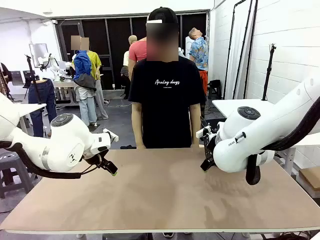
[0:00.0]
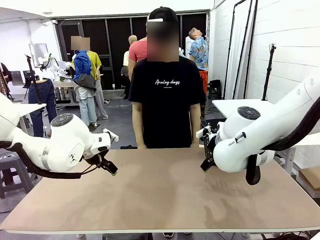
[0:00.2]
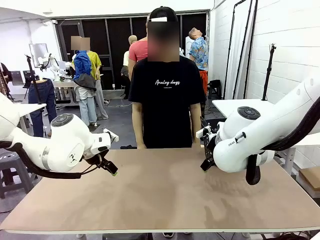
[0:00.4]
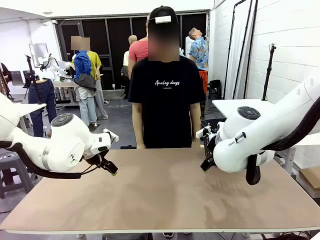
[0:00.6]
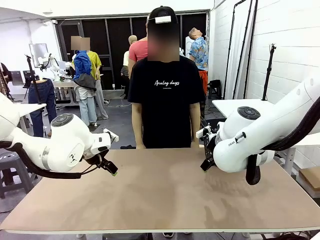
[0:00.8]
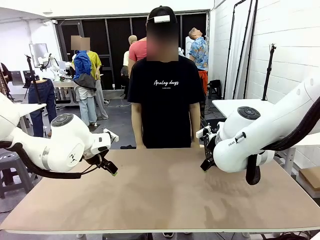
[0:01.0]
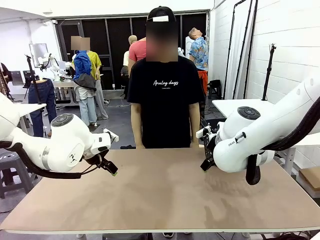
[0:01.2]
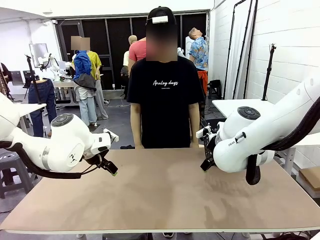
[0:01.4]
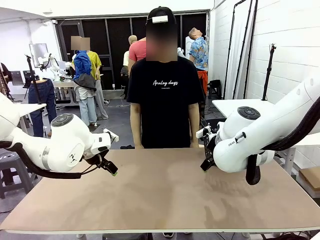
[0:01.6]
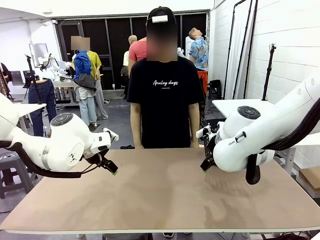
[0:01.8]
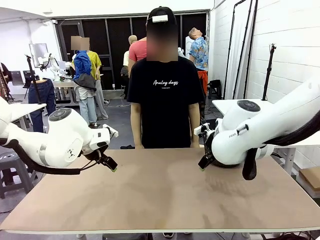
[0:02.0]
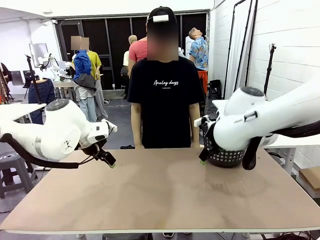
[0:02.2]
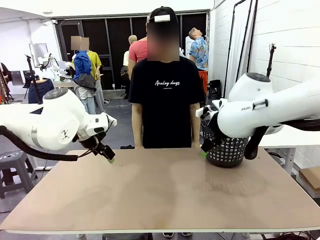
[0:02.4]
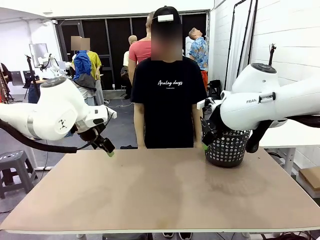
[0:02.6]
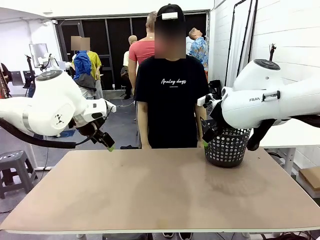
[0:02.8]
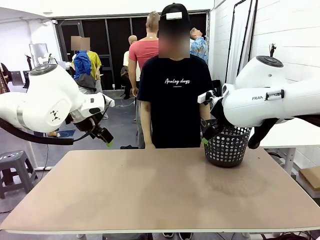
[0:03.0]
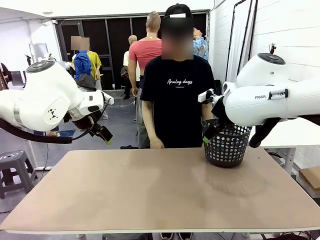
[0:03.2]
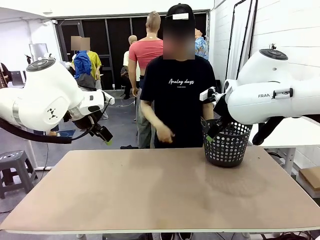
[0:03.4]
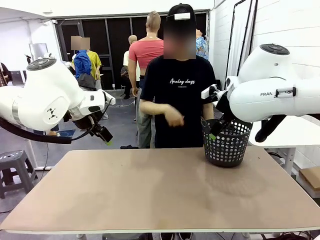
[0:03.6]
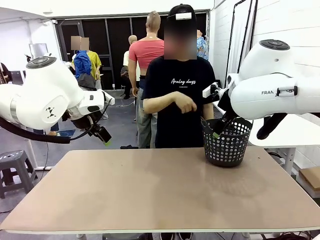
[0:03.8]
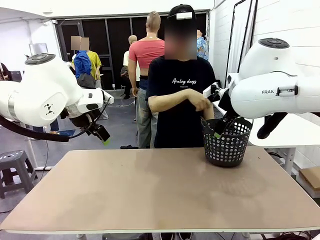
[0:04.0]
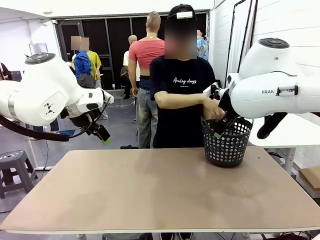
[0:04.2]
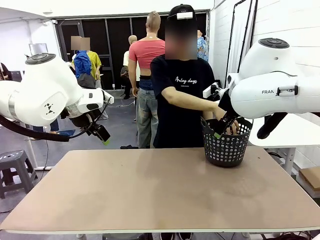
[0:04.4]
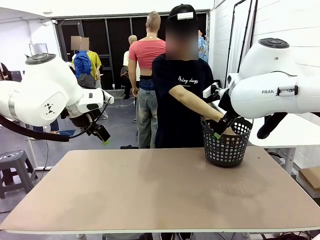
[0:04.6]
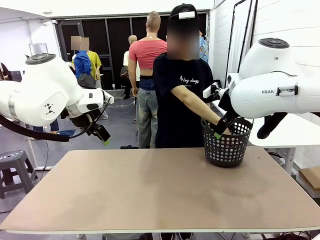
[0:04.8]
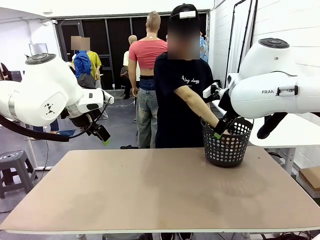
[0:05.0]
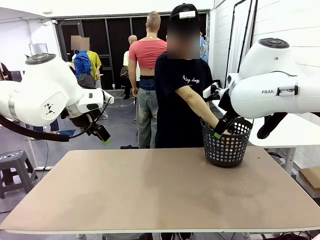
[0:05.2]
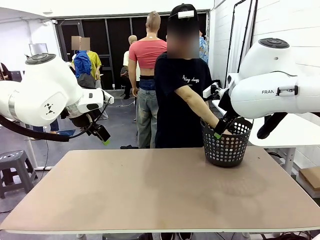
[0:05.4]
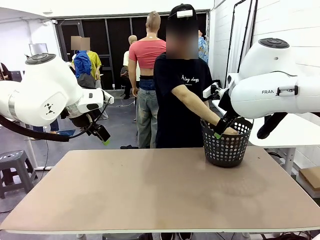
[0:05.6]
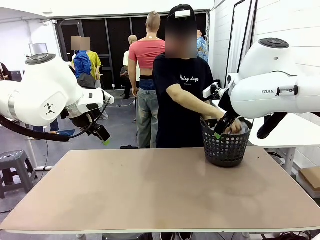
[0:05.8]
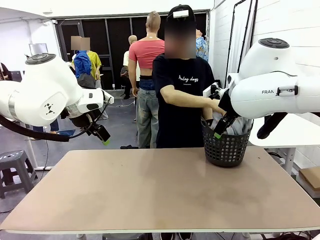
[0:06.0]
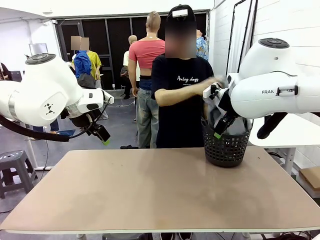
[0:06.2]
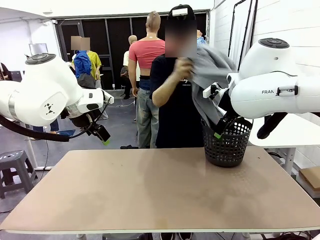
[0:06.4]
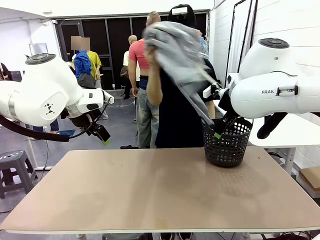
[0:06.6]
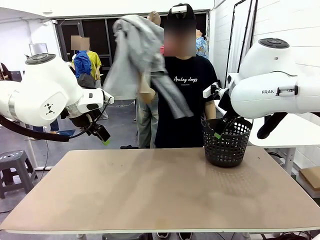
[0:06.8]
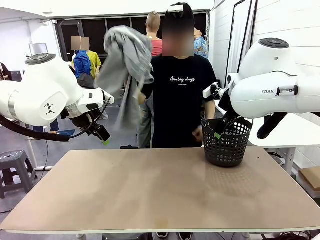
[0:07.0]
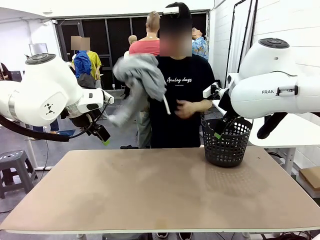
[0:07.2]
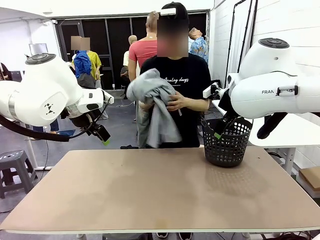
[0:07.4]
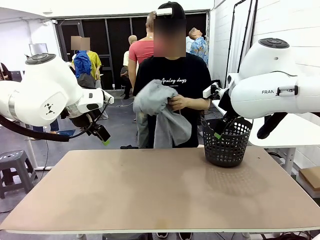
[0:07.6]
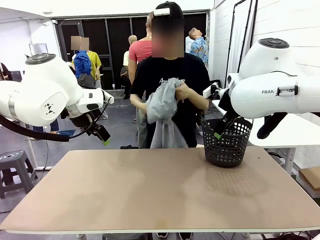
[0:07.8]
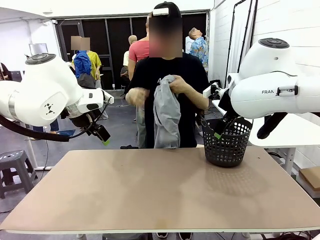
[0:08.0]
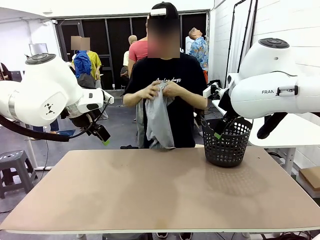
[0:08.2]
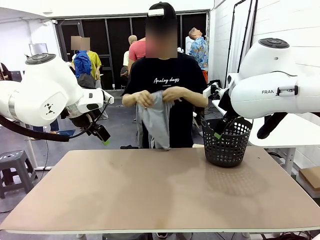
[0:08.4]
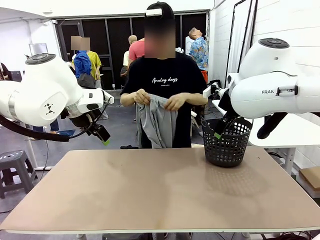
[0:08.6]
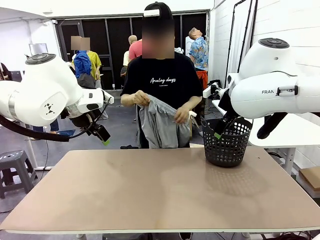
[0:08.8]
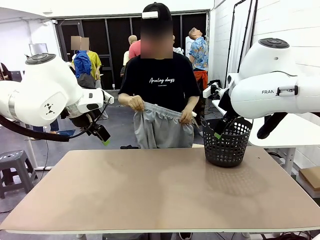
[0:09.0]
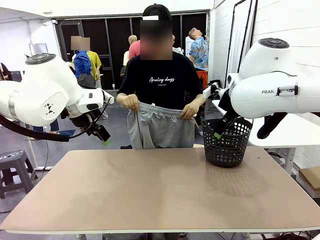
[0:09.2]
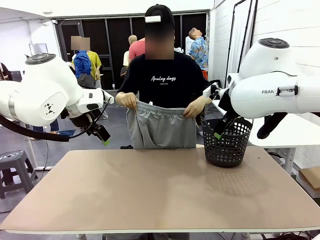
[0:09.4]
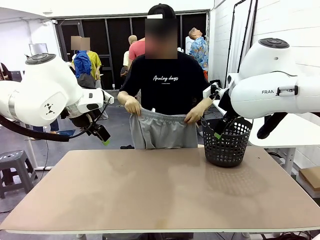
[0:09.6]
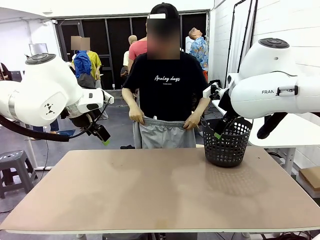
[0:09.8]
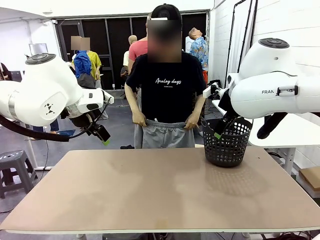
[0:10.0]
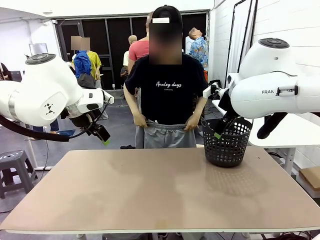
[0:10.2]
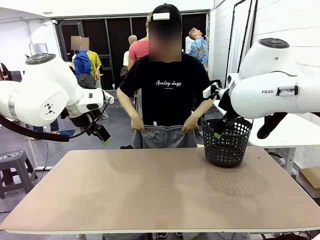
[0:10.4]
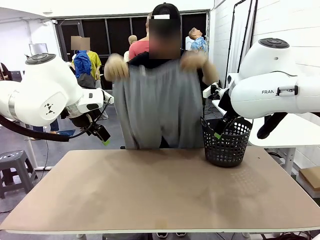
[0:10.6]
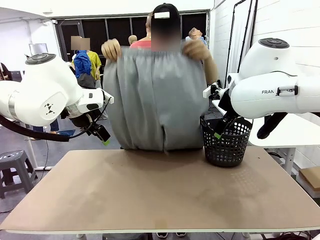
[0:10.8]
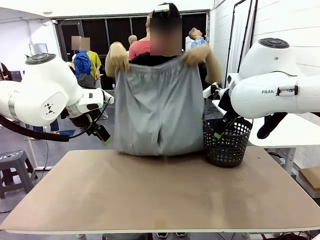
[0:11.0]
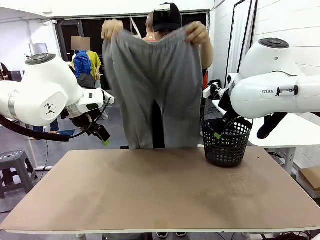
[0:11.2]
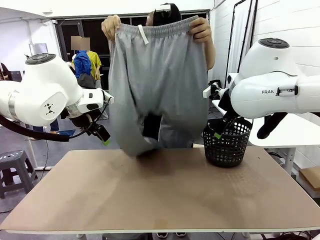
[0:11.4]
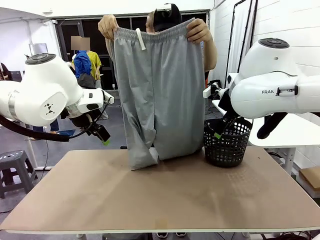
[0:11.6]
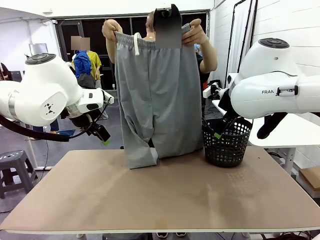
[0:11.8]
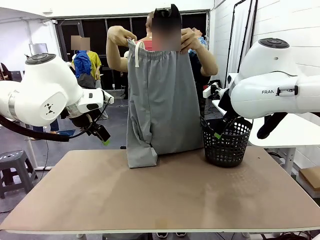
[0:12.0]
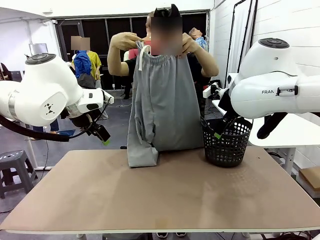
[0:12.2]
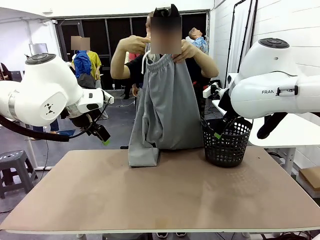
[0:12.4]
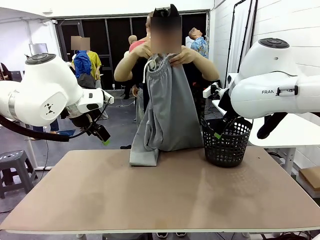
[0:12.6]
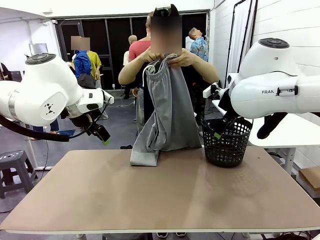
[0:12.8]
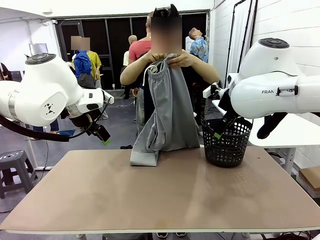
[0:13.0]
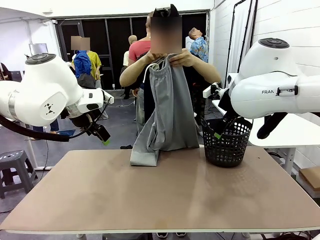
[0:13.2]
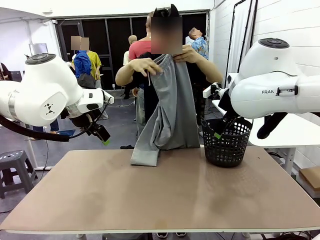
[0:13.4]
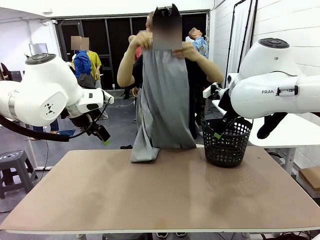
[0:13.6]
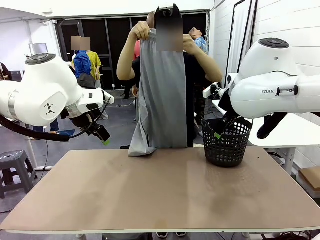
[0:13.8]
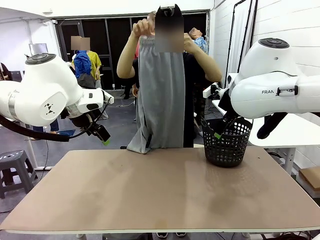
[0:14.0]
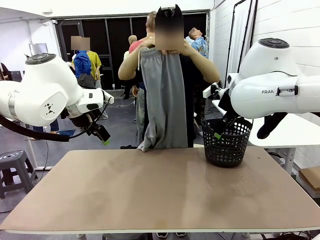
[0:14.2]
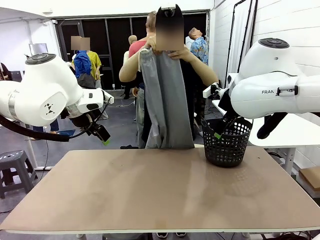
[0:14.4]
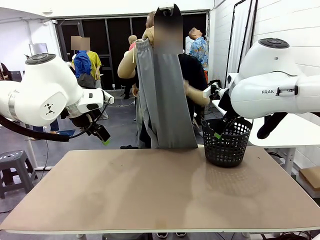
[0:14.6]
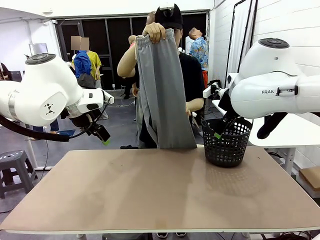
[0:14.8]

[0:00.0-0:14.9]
Task: Fold the training pants.
Robot: Grab both ends of the Training pants handed by a person.
Person: Take the long pants out of the laundry basket, unfold them, fold the waist in half, and extend them so the robot can pick up both corners.
